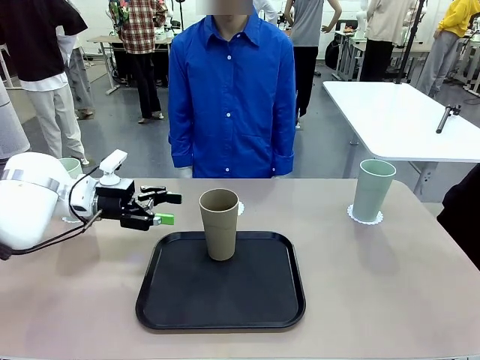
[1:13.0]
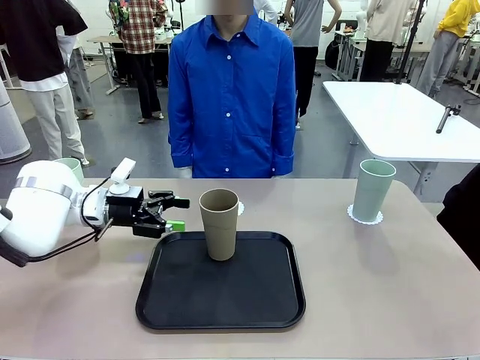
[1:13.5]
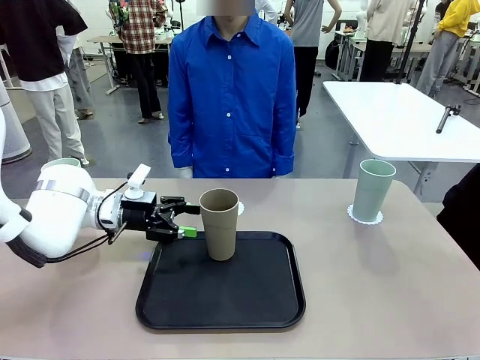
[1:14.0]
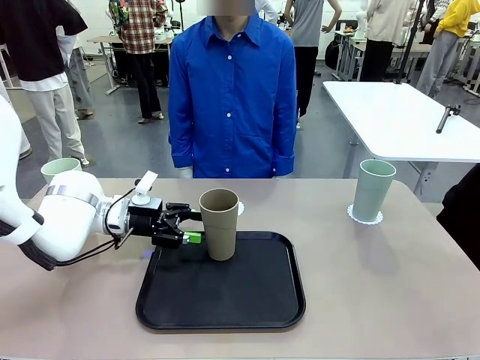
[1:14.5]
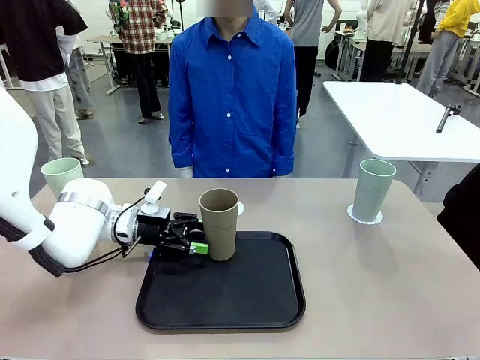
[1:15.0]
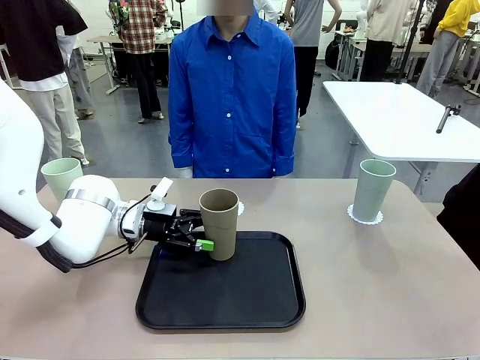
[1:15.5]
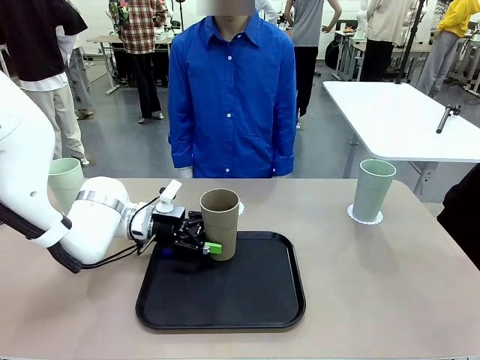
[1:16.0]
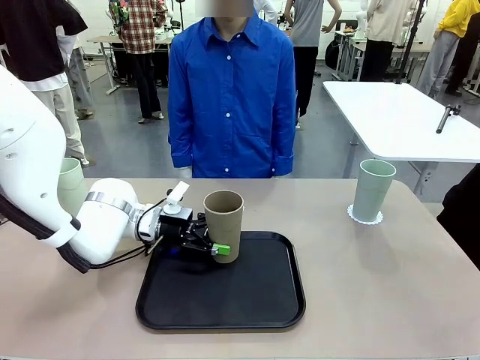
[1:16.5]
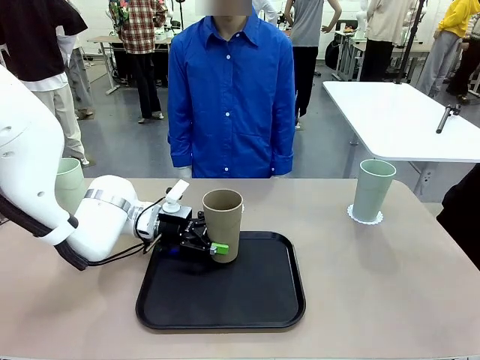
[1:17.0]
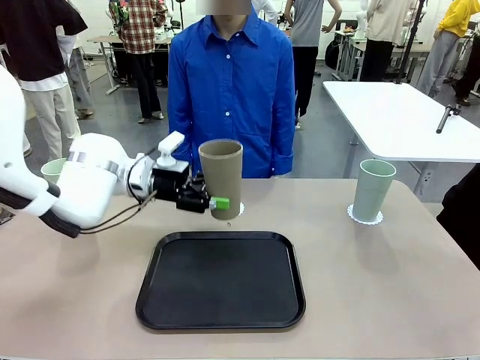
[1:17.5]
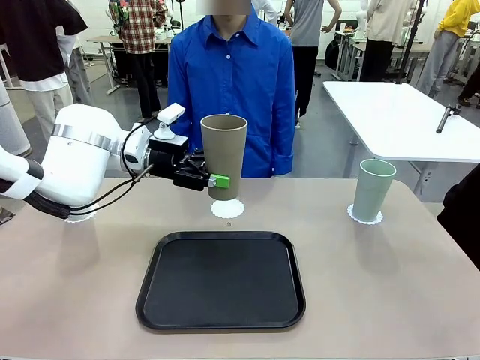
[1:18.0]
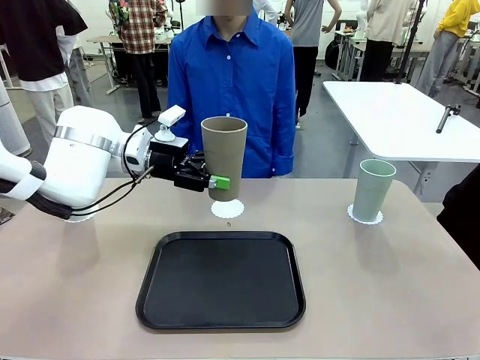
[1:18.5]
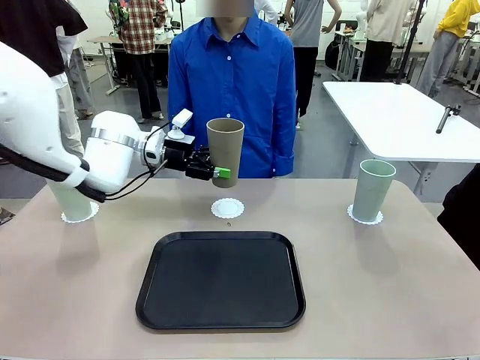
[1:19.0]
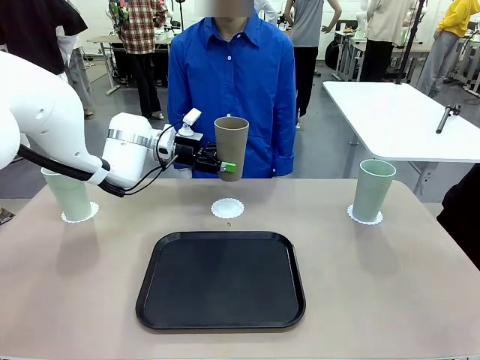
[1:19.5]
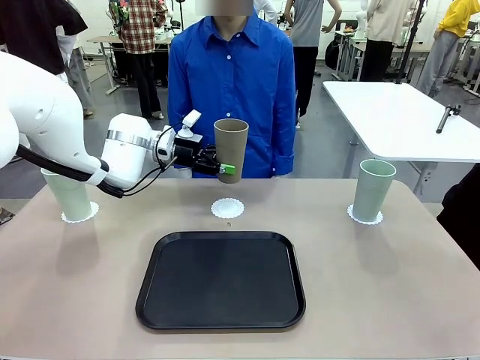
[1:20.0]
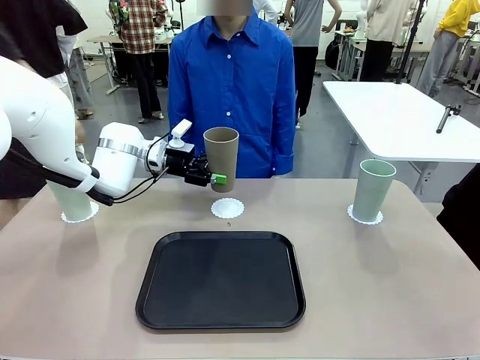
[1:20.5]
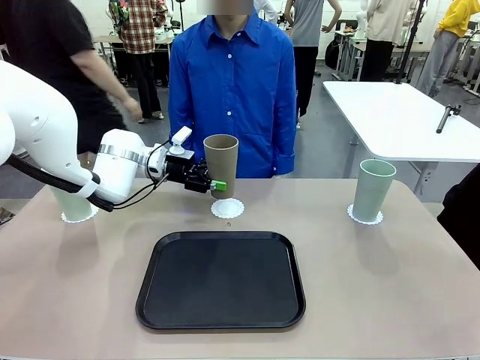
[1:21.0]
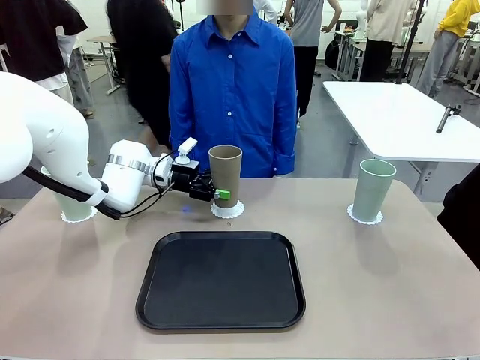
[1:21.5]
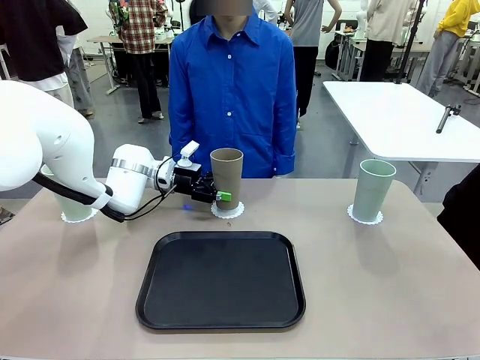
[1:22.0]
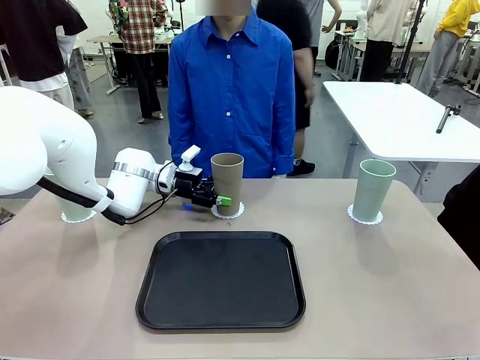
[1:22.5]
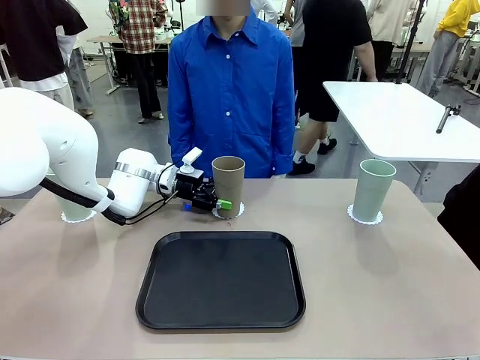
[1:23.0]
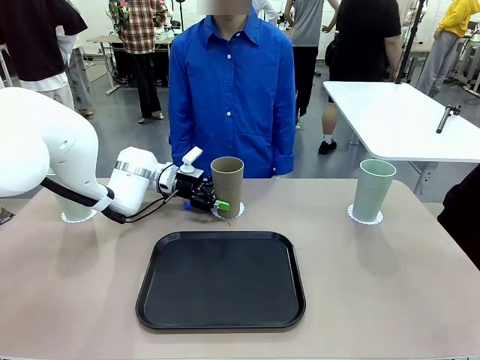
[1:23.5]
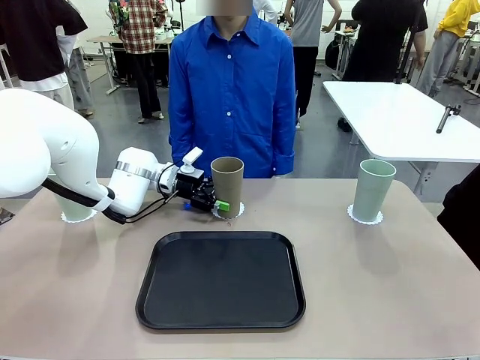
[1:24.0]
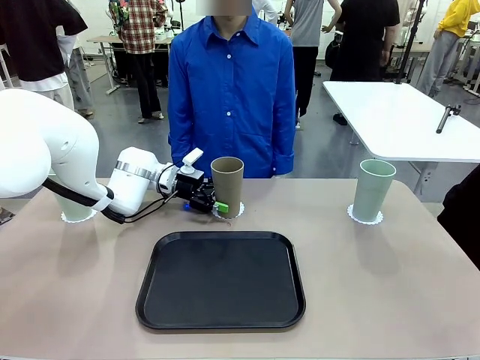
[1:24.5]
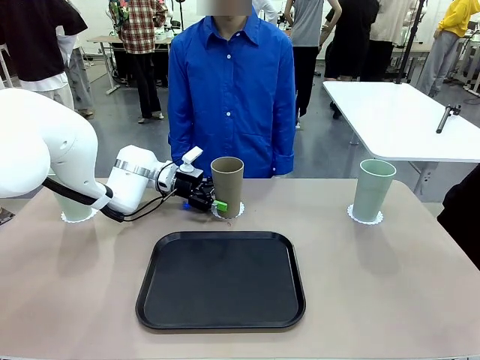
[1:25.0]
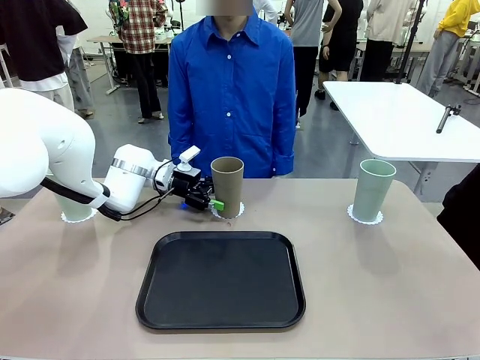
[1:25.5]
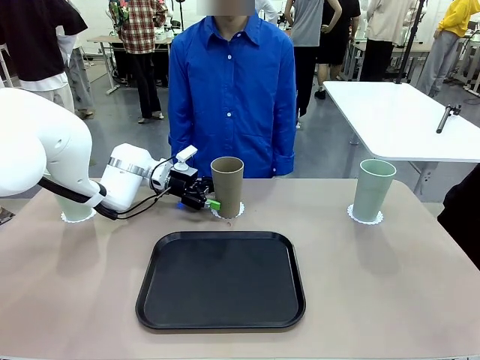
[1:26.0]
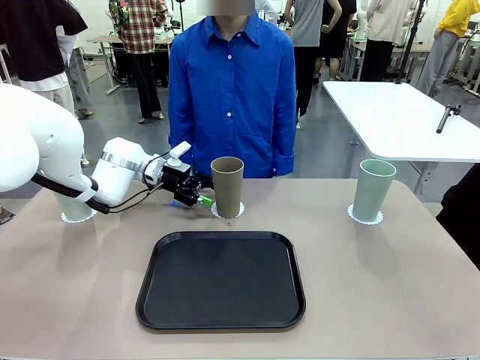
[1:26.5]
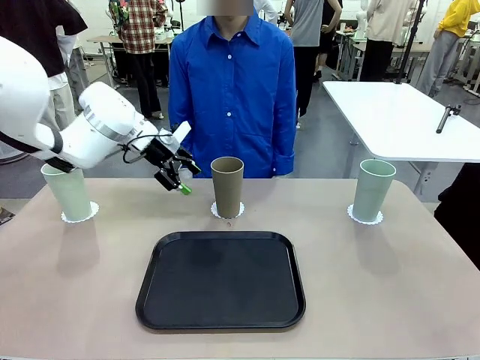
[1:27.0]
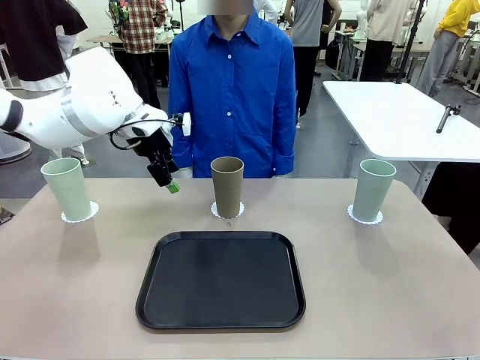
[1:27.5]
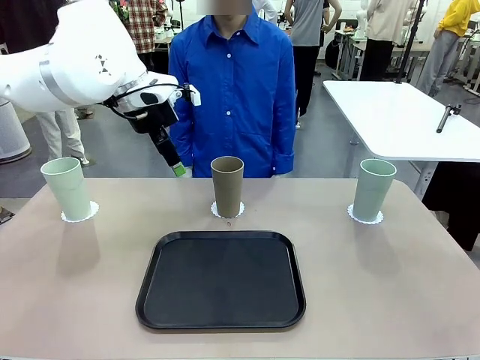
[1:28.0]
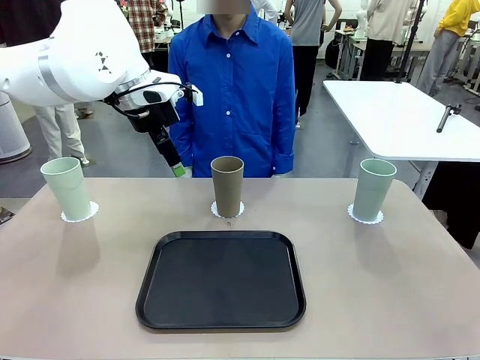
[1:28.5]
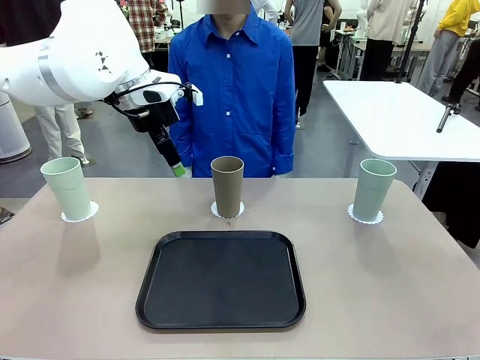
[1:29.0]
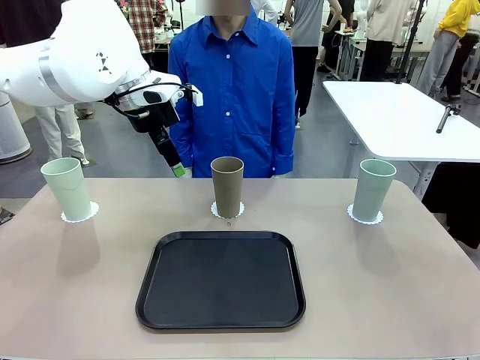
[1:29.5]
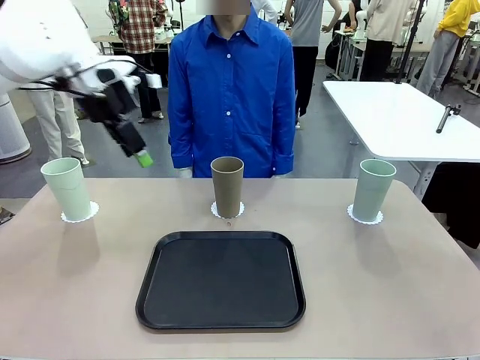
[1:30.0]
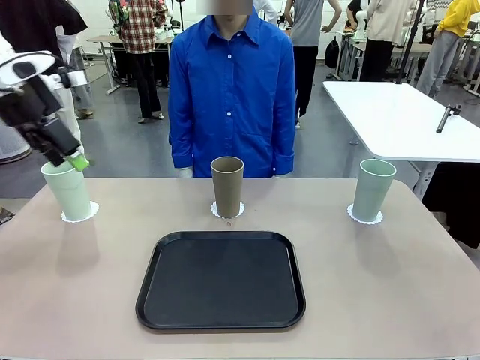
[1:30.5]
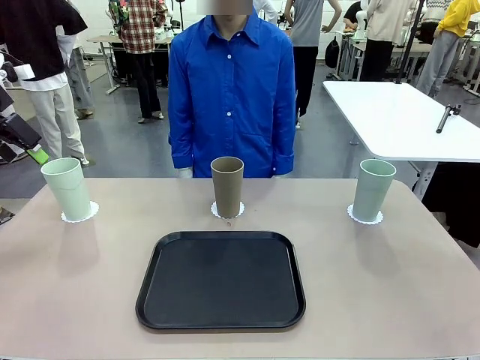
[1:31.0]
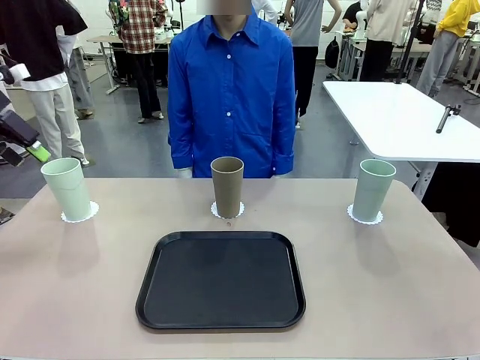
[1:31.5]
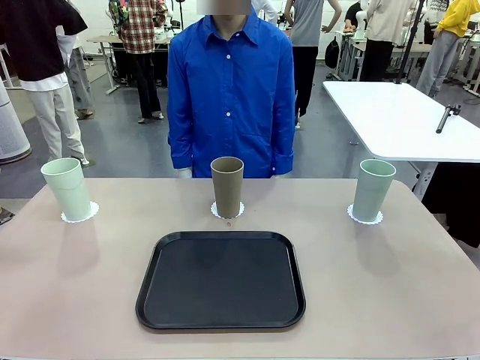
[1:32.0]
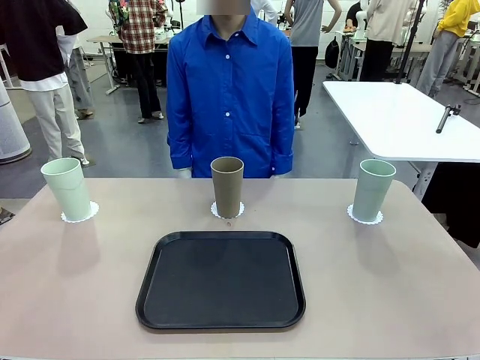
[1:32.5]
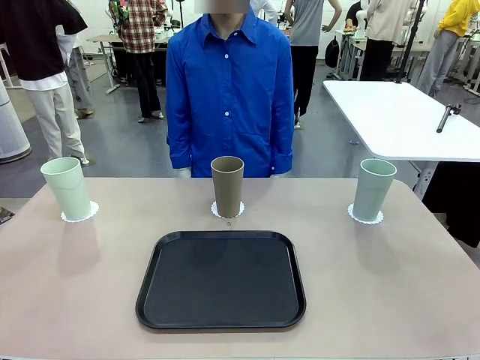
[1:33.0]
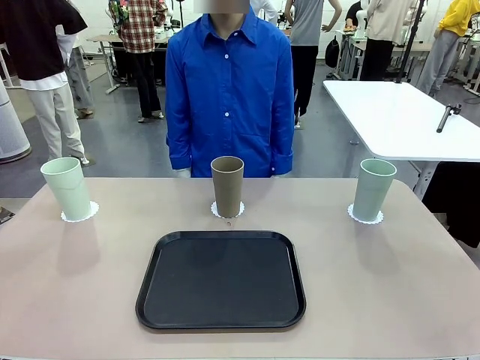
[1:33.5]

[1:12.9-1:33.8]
Task: Place coasters on the table and set cups on them.
Robot: Take one Reusable plastic cup from the Flat Tray and place it on a coaster set by the human.
